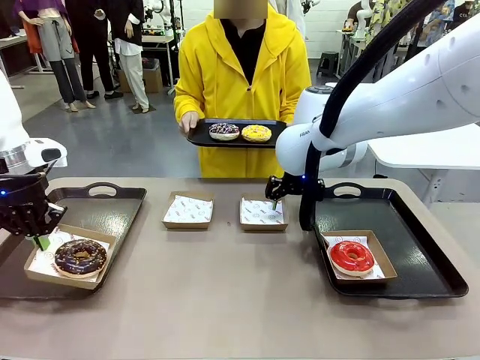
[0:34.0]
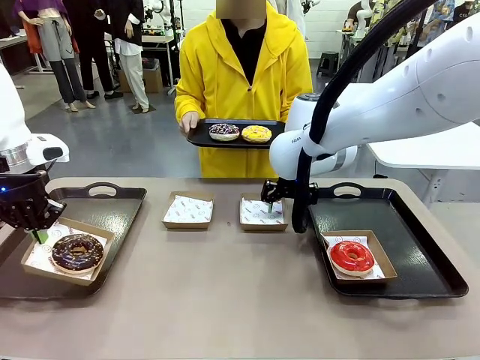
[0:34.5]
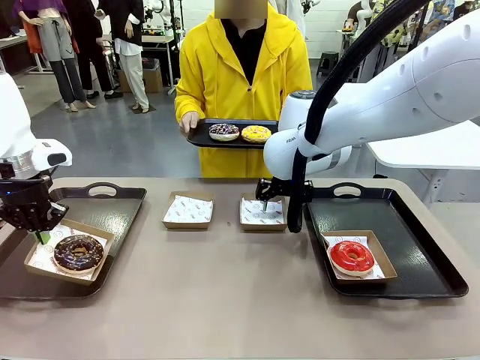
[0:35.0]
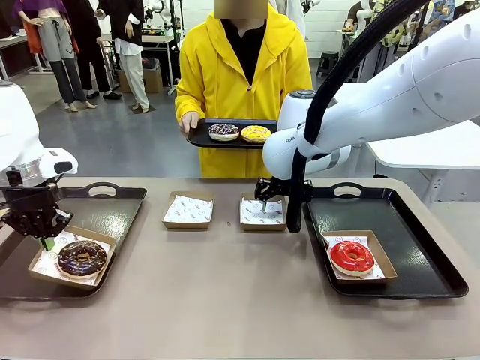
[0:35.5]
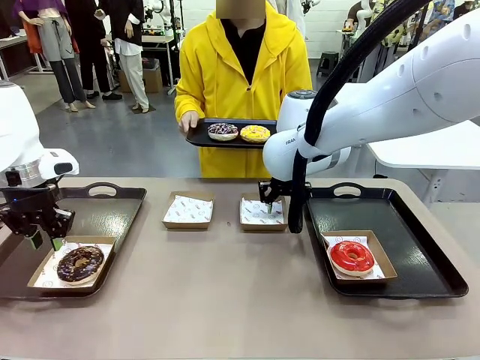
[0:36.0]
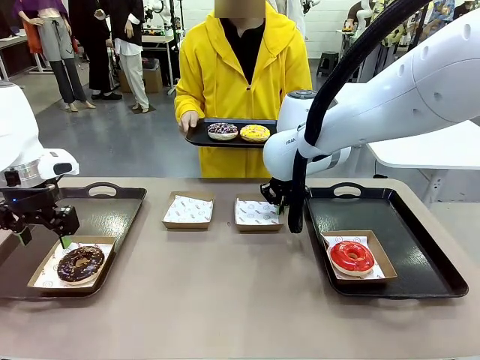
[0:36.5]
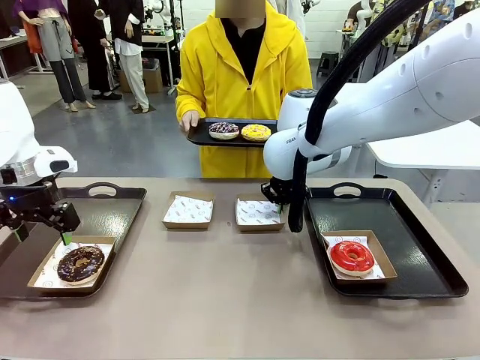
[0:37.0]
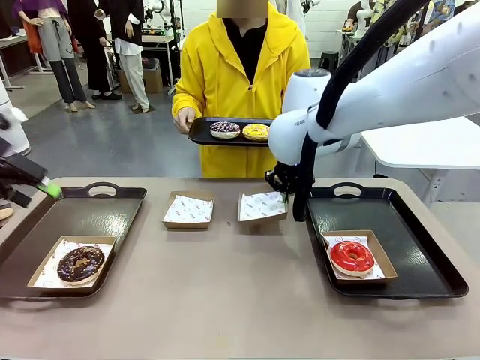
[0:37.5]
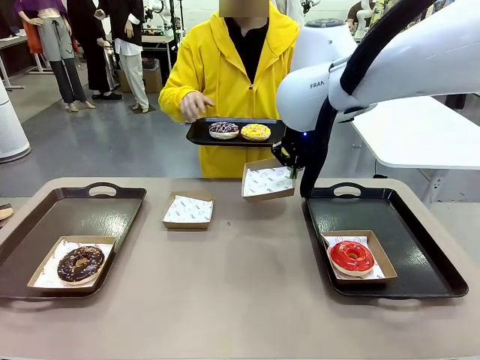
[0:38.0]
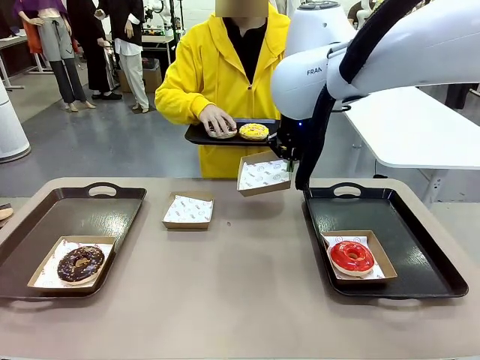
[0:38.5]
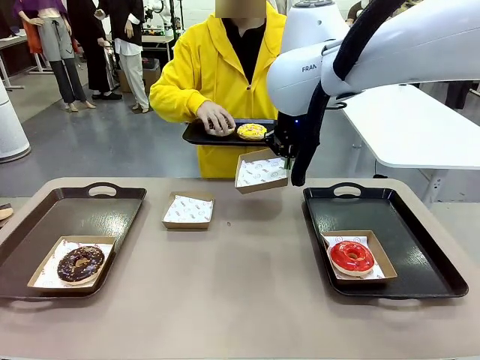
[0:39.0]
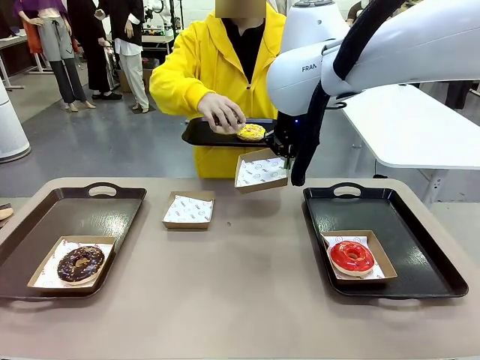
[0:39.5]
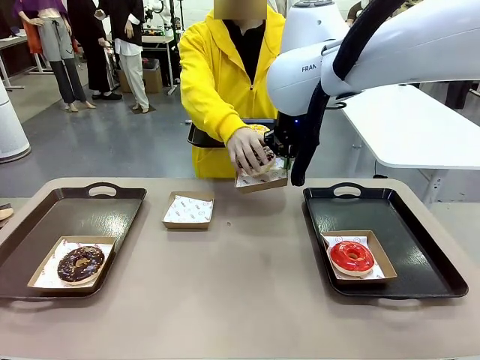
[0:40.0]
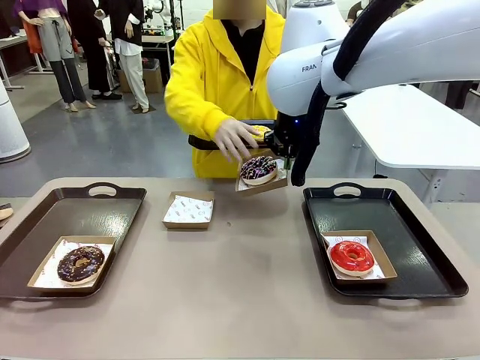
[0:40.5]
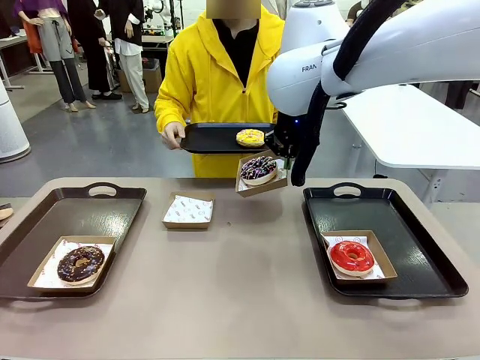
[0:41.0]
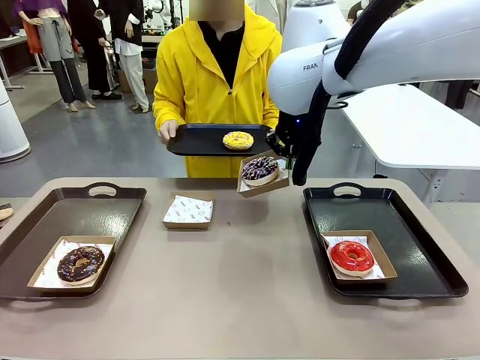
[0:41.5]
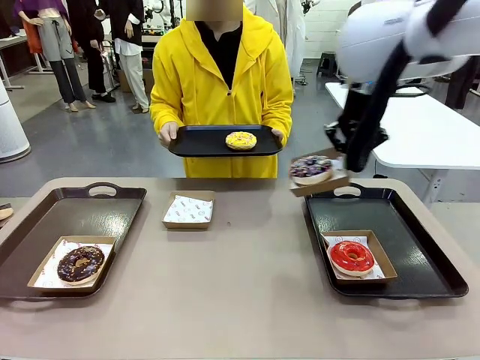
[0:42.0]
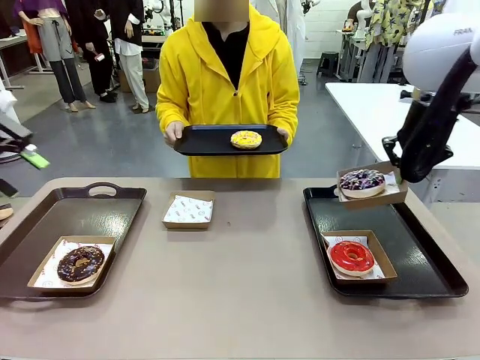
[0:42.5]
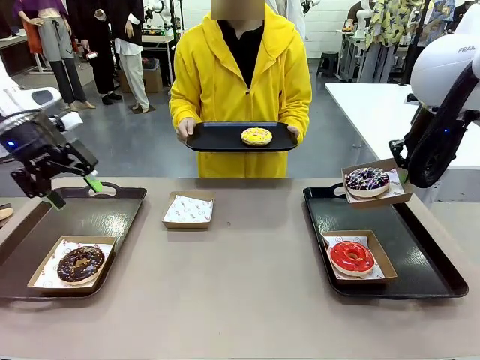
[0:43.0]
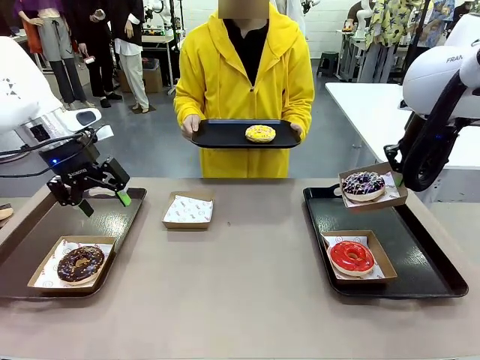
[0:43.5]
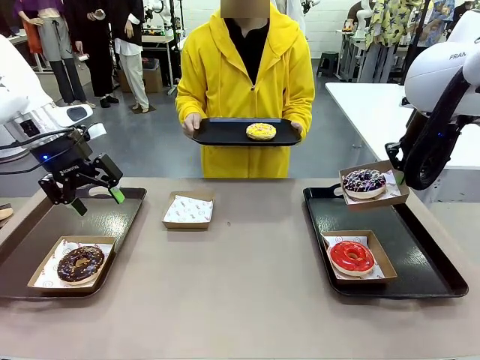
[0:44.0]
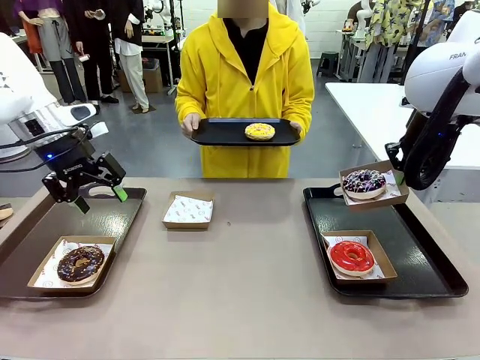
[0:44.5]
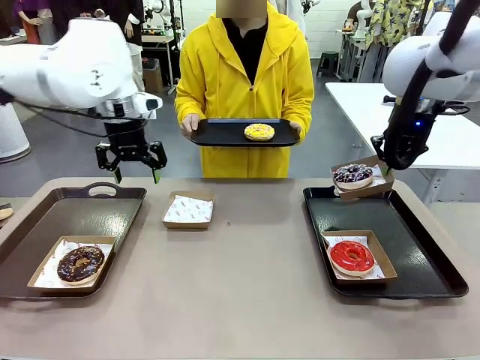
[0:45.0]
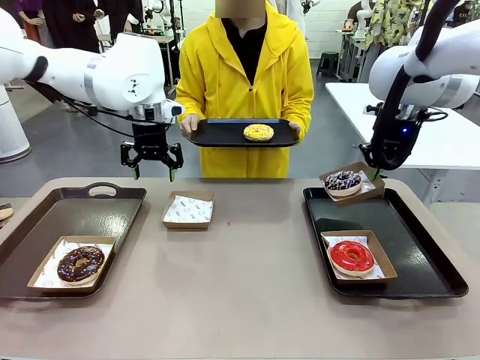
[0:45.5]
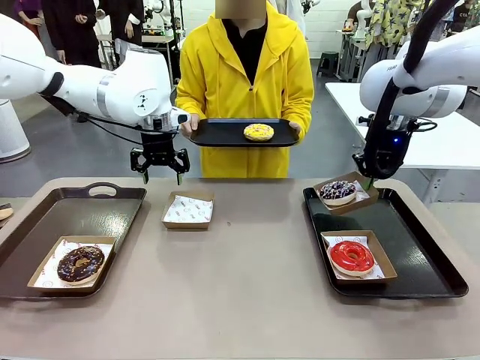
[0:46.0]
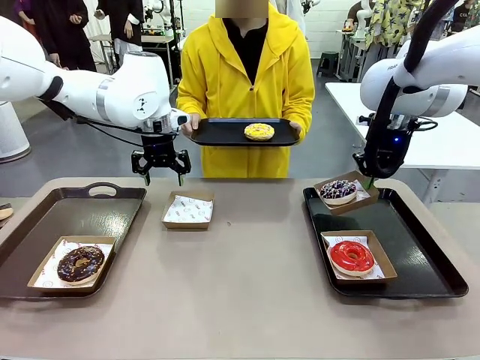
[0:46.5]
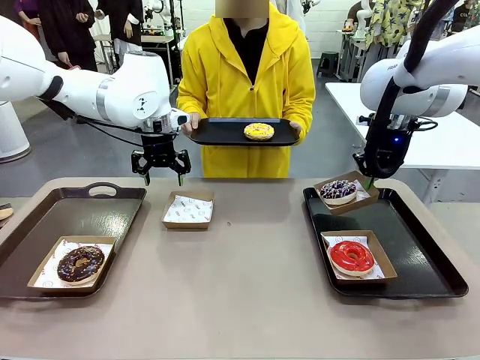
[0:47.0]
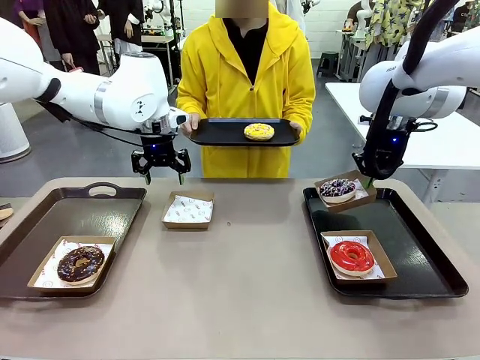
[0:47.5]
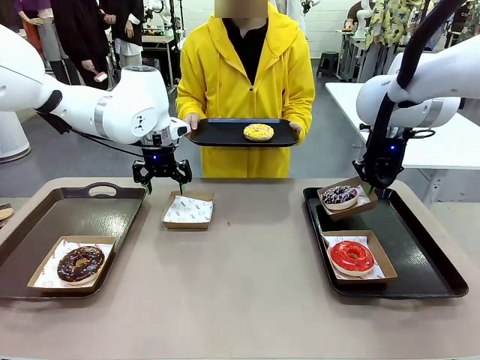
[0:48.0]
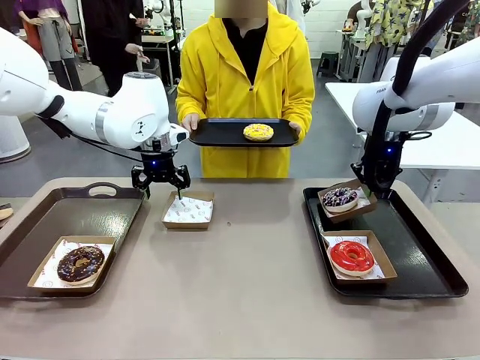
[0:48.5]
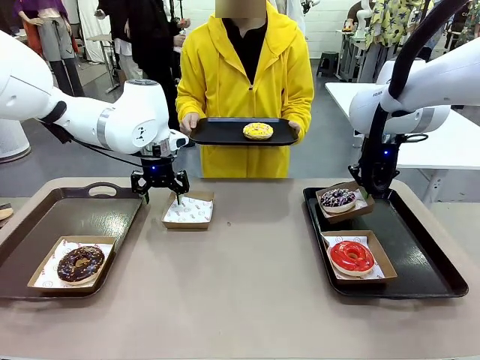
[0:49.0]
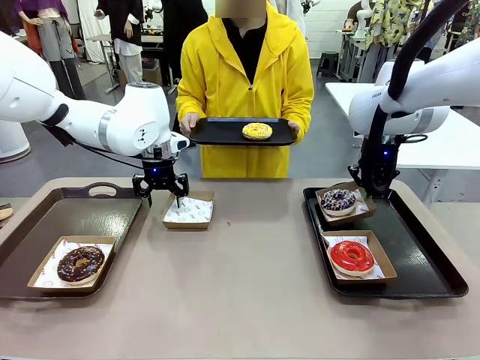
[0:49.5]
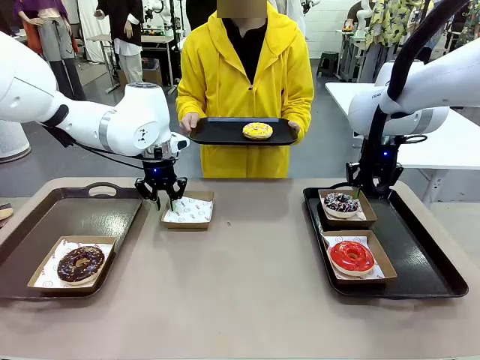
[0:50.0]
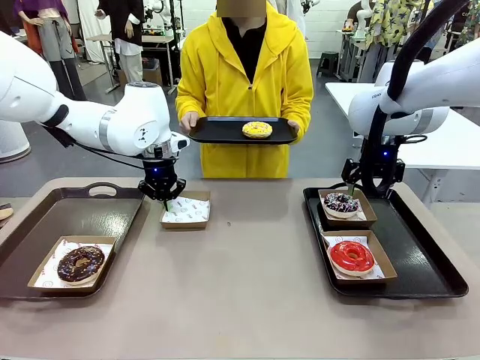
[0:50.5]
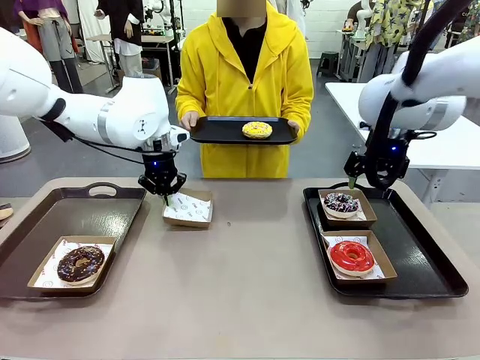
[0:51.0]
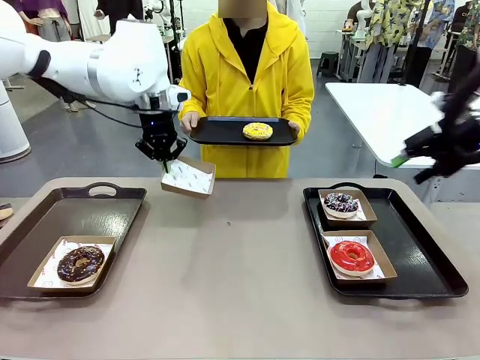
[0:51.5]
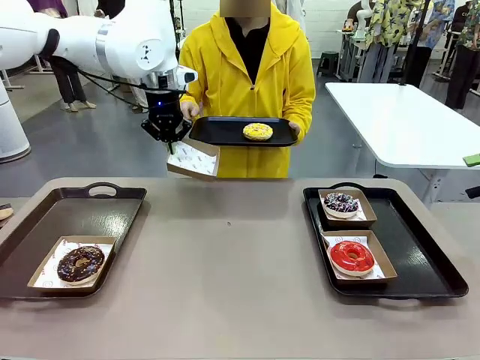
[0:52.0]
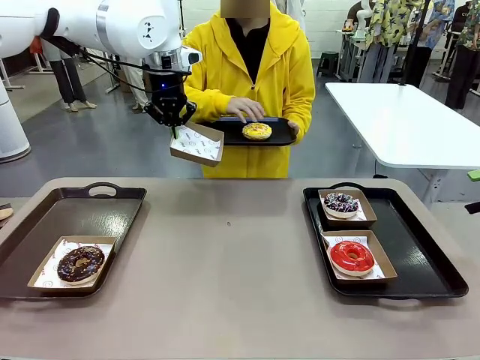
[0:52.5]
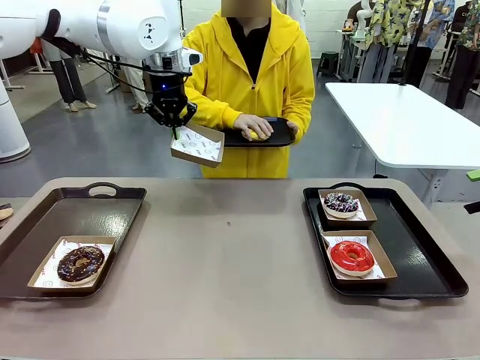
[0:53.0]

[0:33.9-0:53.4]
Task: Individually package the donuts and arrange them on the tray.
Robot: Place the picked Paper togo box on the Handle tray while simultaneously picking up another Paper togo box from the table with the other hand.

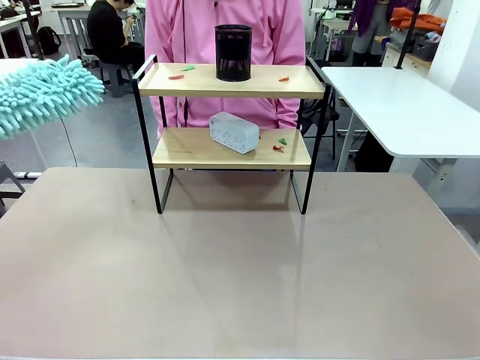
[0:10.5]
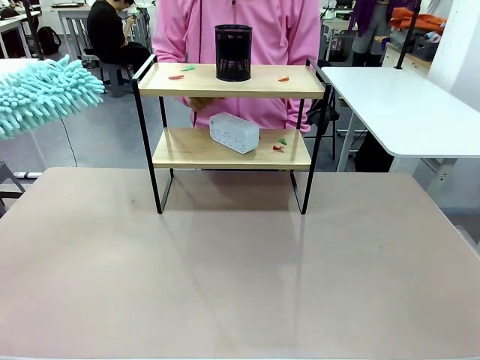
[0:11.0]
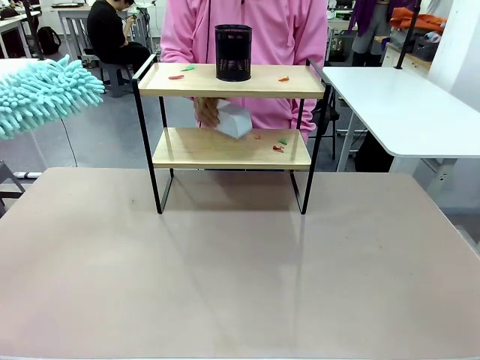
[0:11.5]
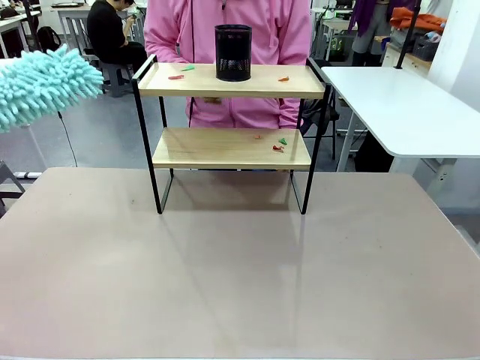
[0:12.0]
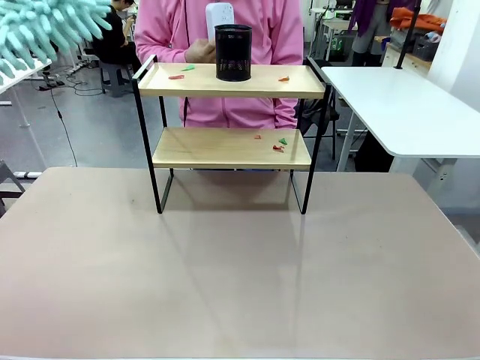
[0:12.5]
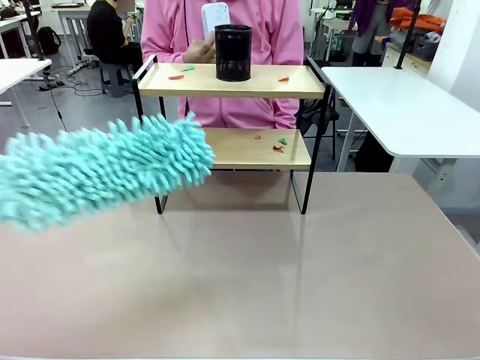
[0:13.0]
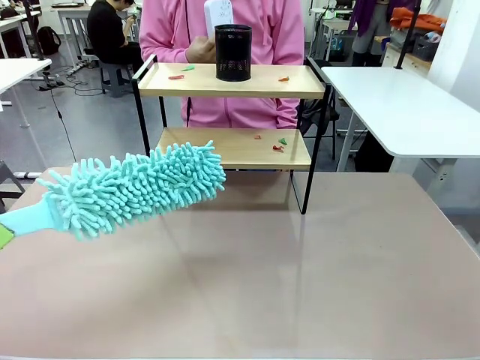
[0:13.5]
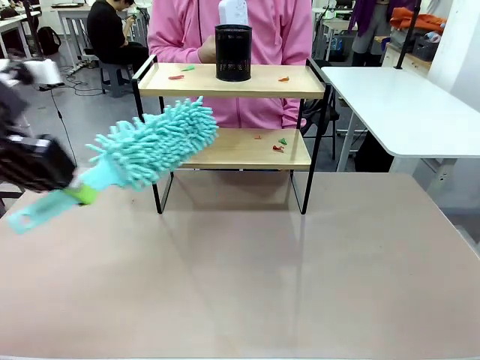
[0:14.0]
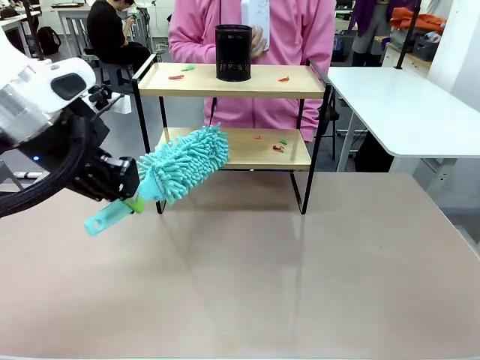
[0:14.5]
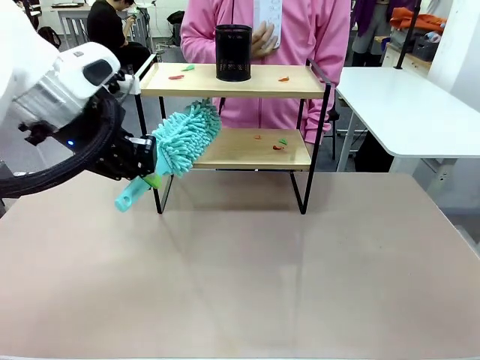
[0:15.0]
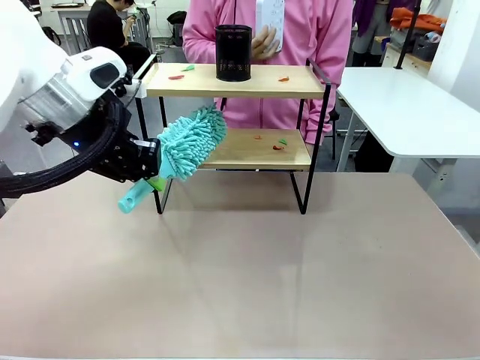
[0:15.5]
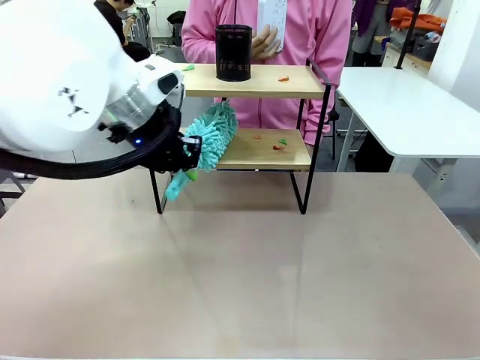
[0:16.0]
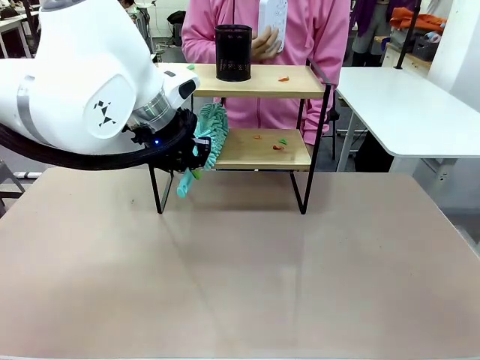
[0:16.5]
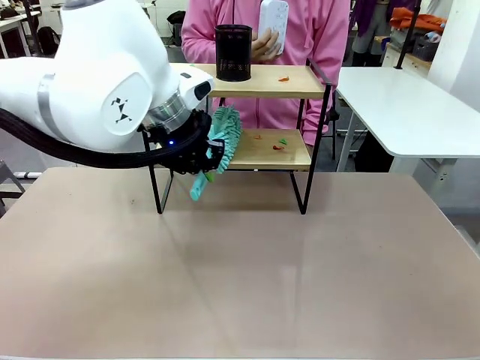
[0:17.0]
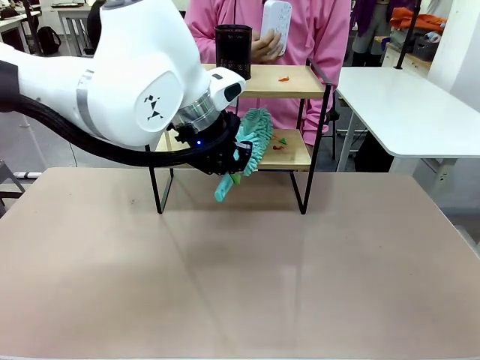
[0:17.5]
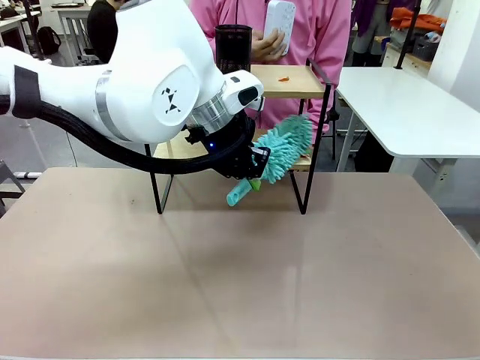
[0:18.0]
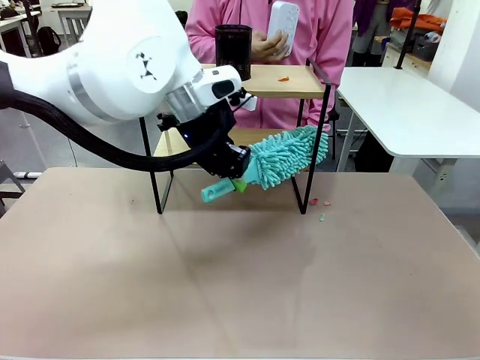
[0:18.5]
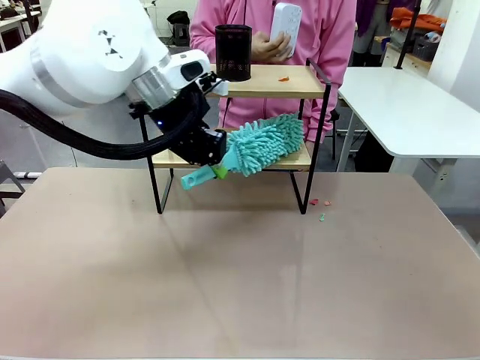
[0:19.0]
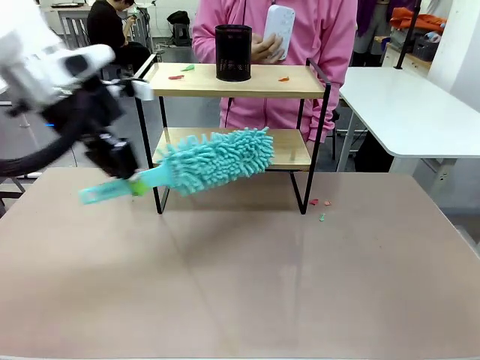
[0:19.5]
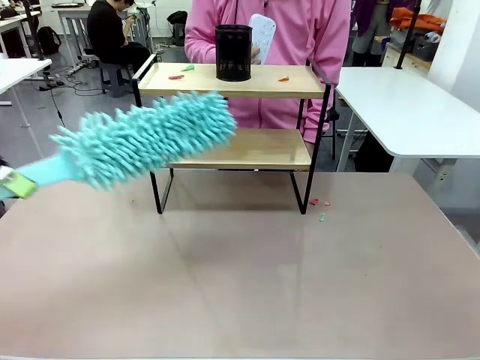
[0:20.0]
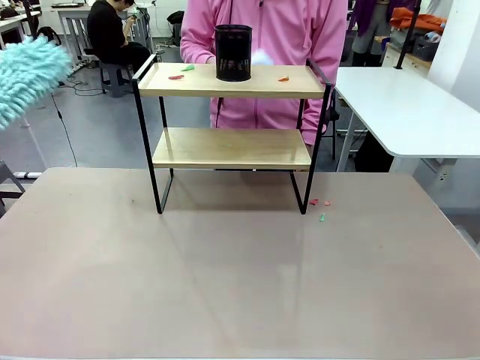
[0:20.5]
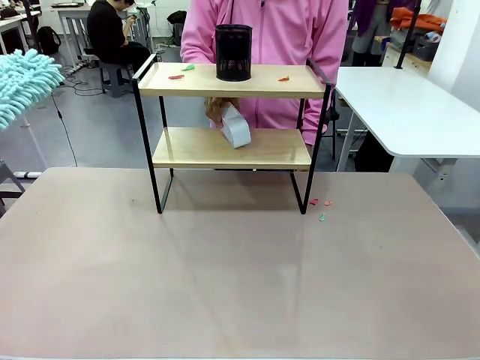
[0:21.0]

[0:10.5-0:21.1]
Task: Clean the shelf.
Robot: Clean the specific tier of the Shelf with the Duster once objects are removed.
Person: Lift the objects on a randomly selected tier of the Shelf. Once the robot finishes cleaning, lift the objects on the remaining tiers of the Shelf.
